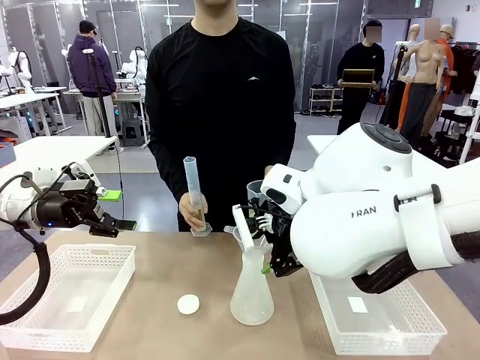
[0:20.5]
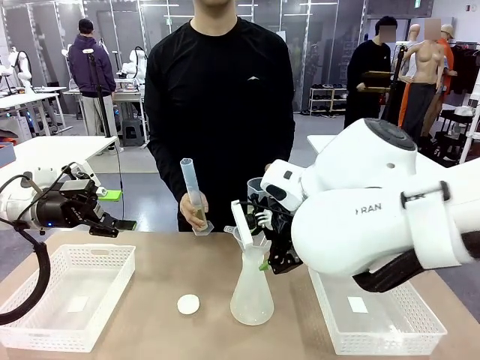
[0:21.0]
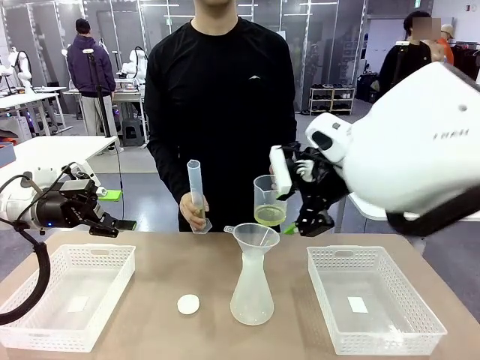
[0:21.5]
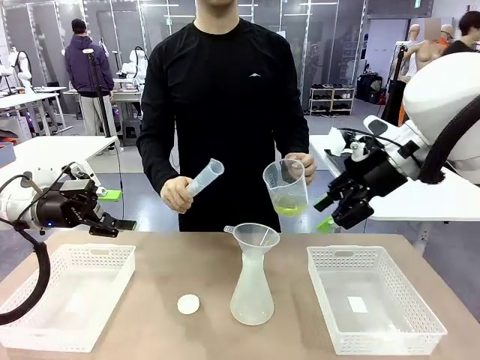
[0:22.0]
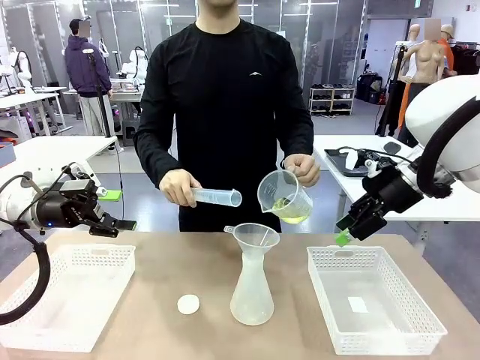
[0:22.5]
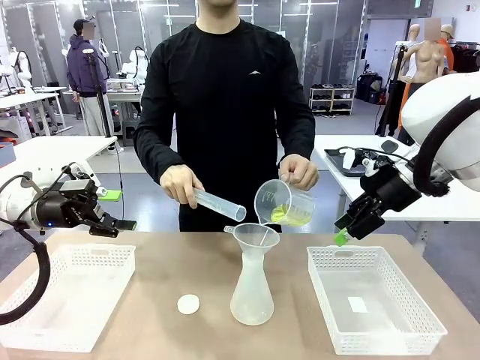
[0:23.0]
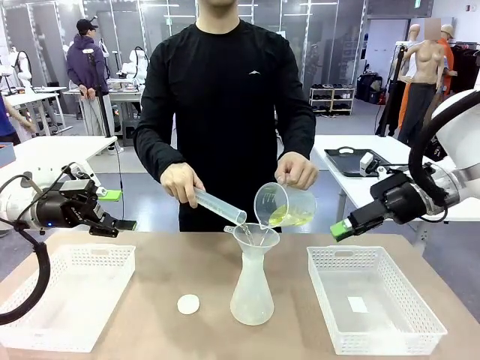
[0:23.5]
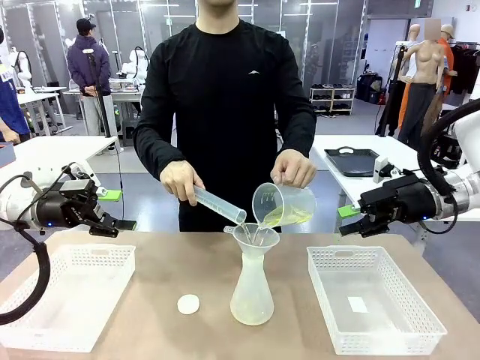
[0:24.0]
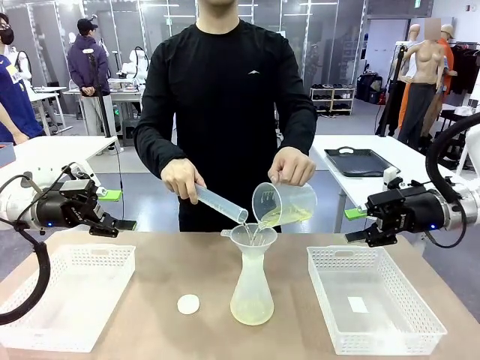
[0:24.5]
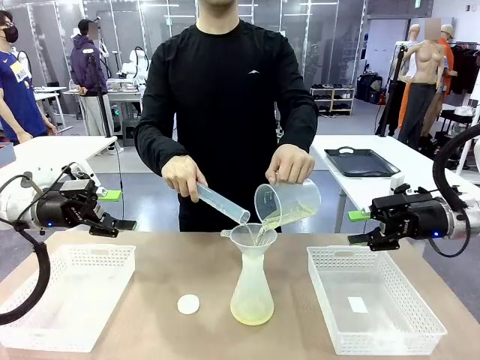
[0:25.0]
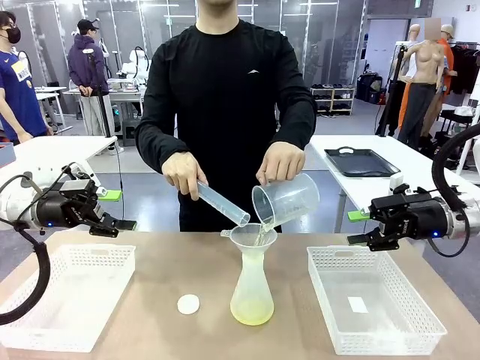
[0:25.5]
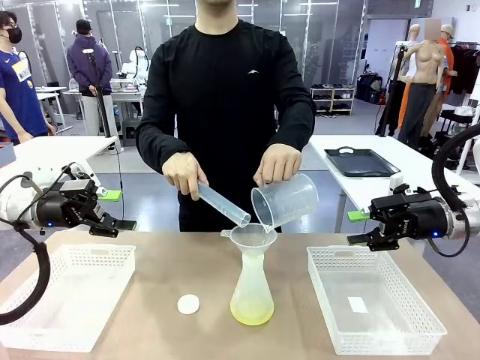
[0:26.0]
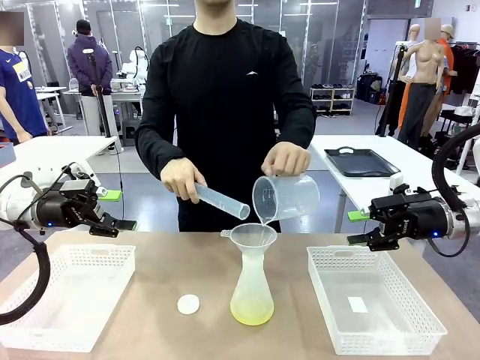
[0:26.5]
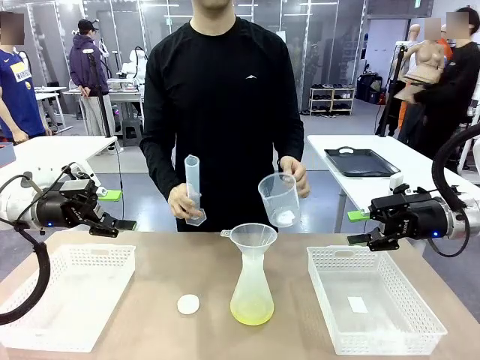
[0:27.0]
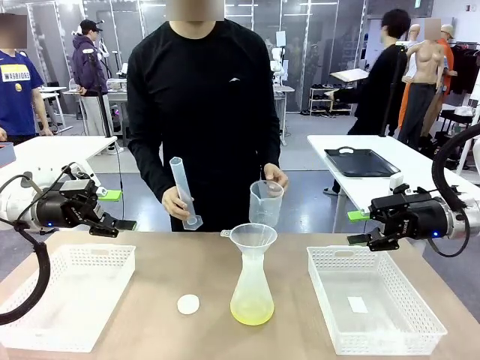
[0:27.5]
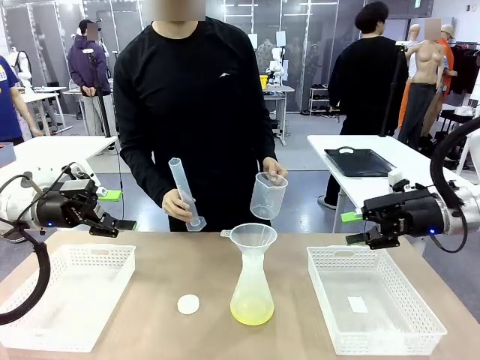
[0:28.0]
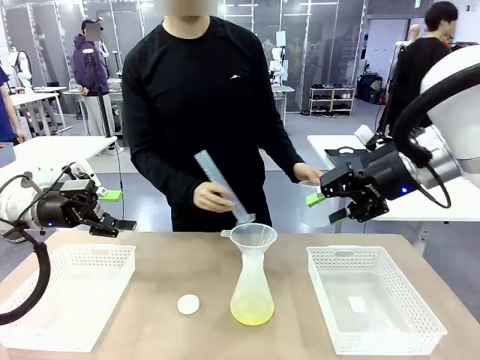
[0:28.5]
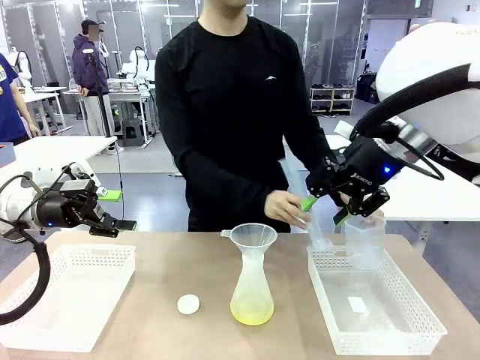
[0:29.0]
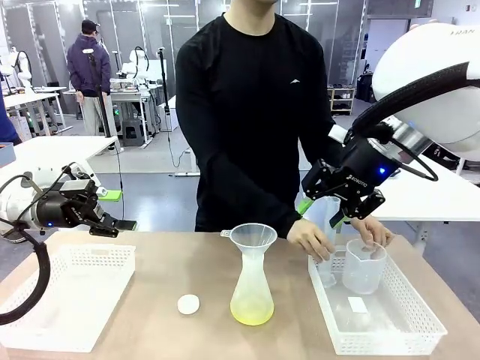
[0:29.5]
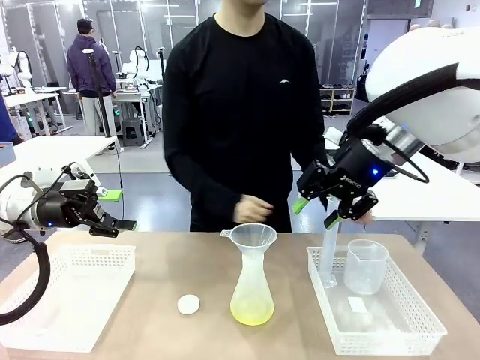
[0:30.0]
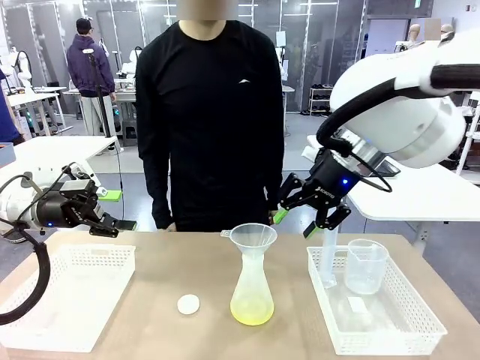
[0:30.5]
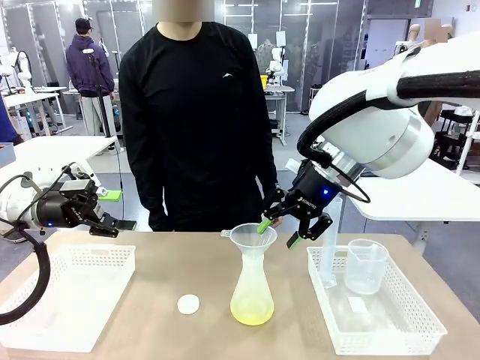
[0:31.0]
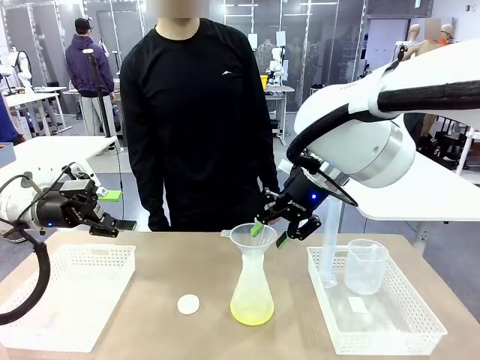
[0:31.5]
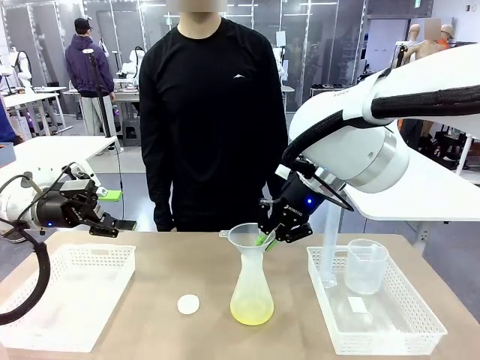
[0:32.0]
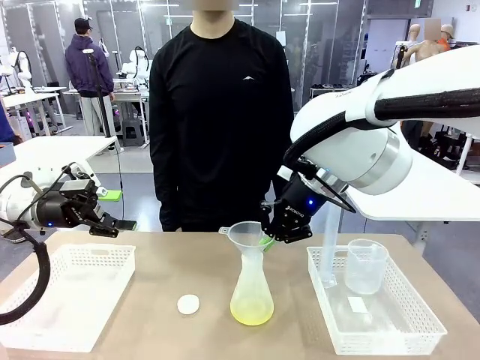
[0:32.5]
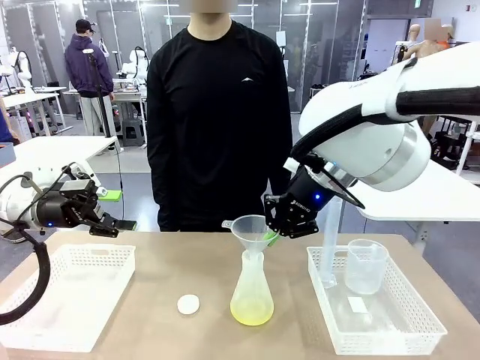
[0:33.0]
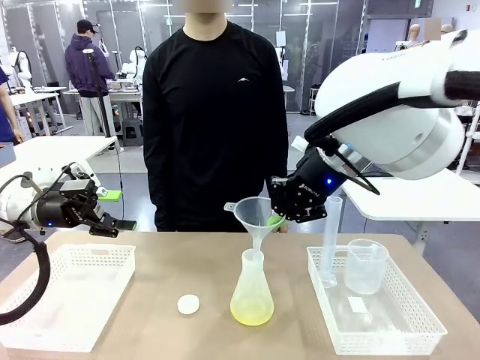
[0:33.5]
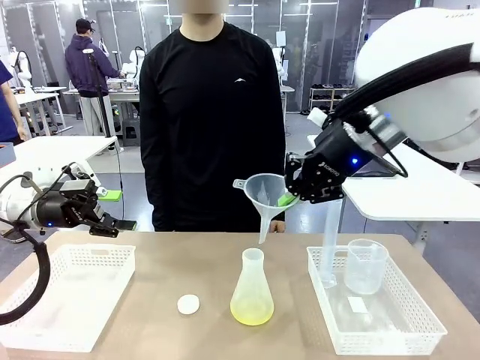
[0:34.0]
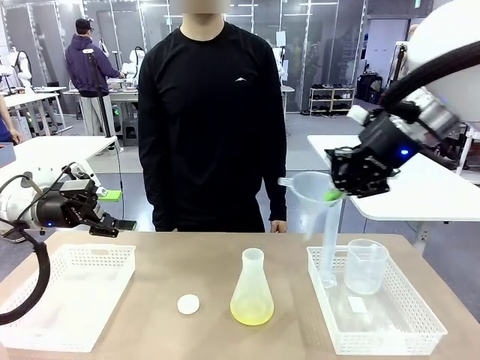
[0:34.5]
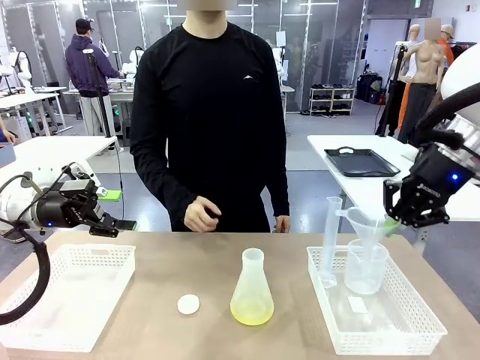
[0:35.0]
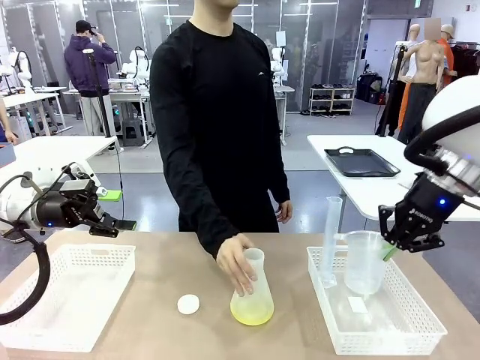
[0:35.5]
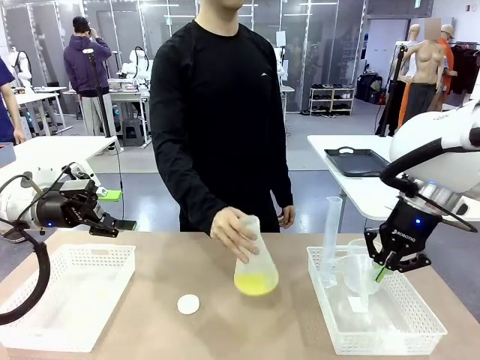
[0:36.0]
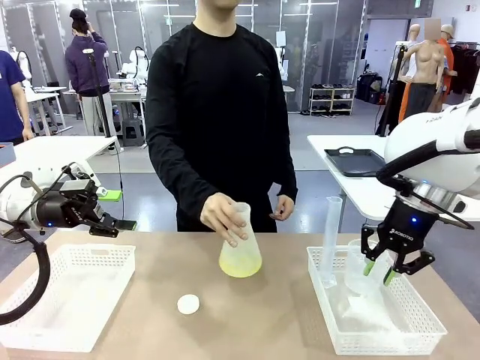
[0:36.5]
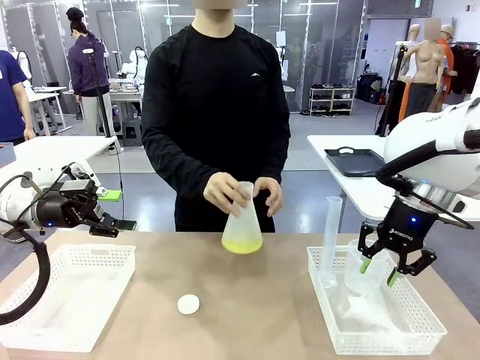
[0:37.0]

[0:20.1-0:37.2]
Task: Prepare the solutions needed for the experiment.
Robot: Once the solution is in the Big flask , pick up the Plastic Funnel and place it back into the right Organizing basket.
Person: Place the beaker and the cylinder into the organizing basket on the left side. Pick up the flask, gently shake it 2–3 times, place it in the middle of the robot table, and close the lid.

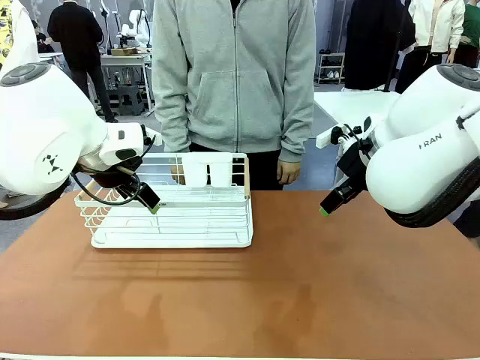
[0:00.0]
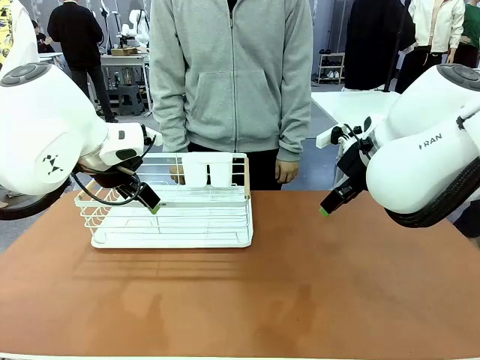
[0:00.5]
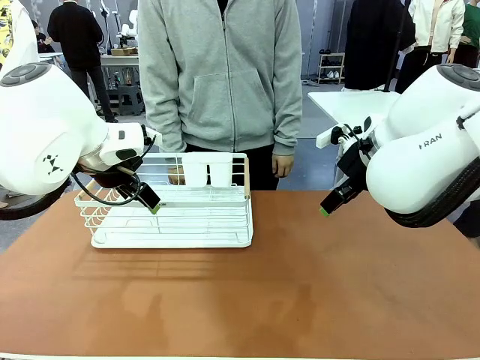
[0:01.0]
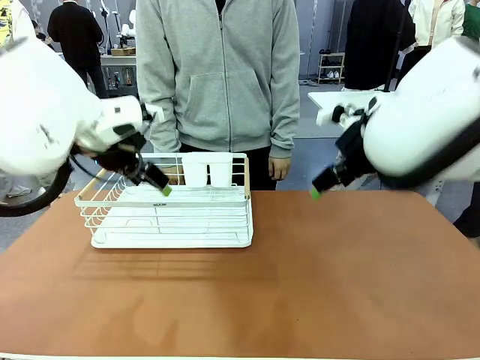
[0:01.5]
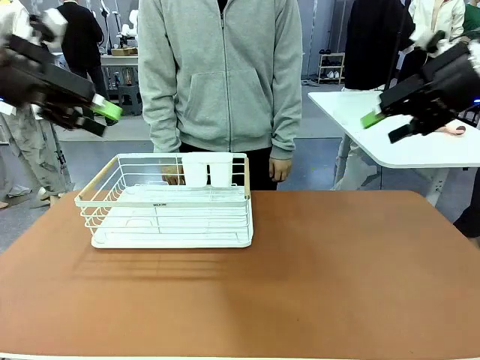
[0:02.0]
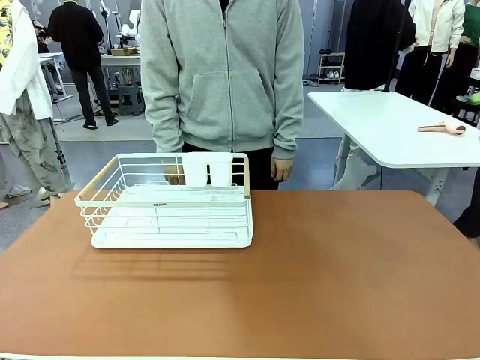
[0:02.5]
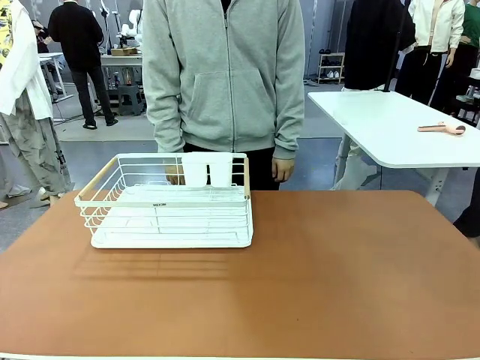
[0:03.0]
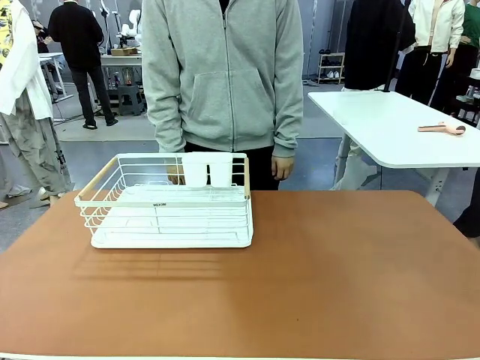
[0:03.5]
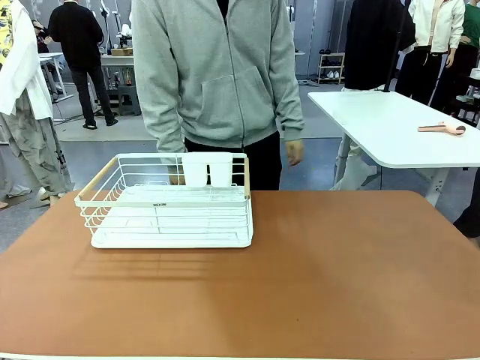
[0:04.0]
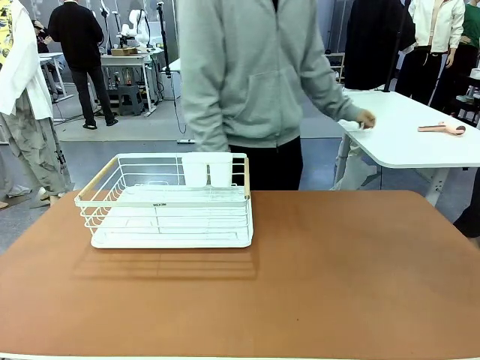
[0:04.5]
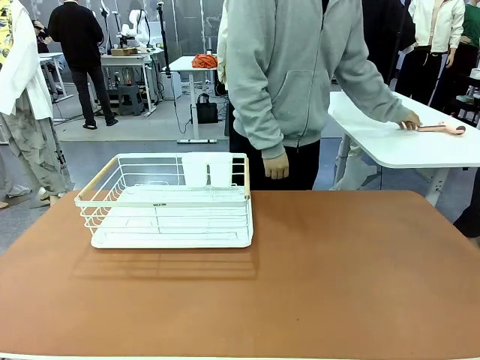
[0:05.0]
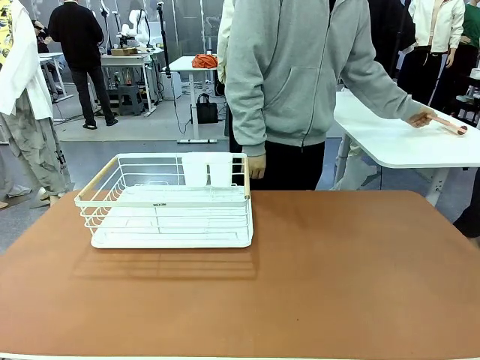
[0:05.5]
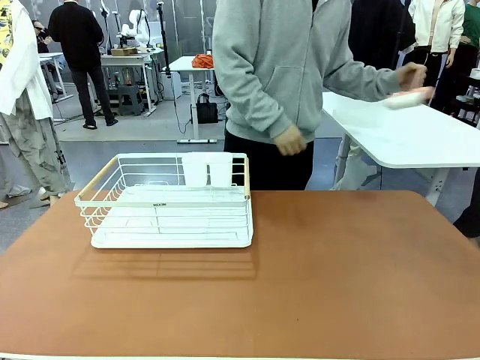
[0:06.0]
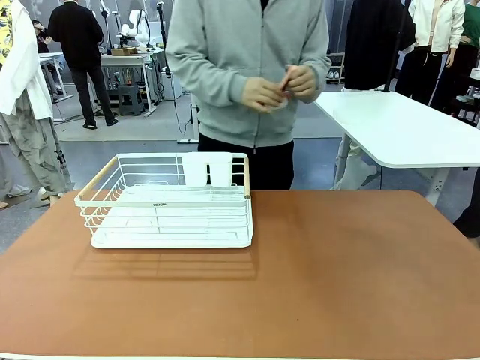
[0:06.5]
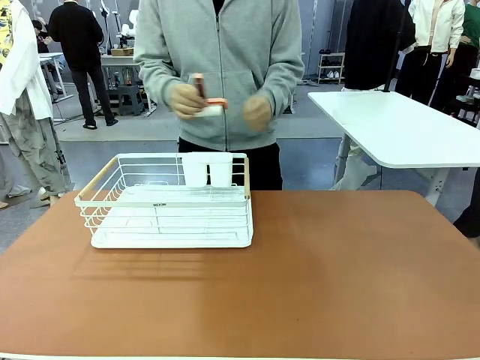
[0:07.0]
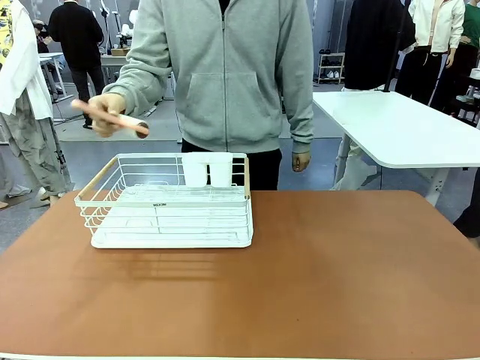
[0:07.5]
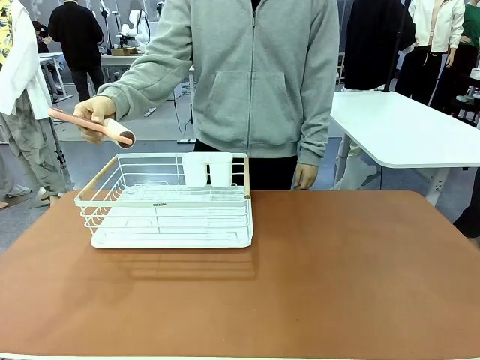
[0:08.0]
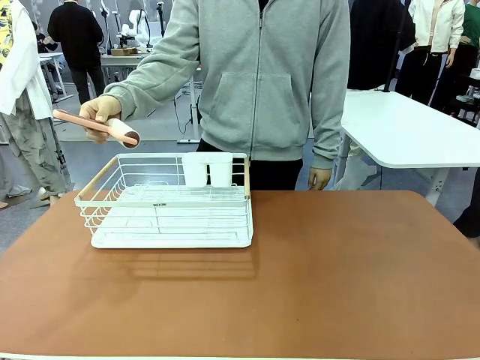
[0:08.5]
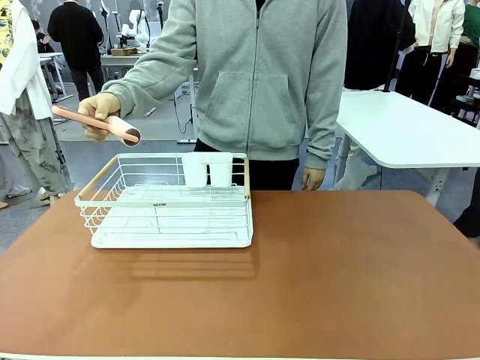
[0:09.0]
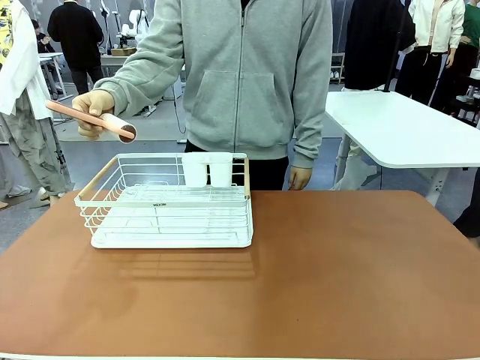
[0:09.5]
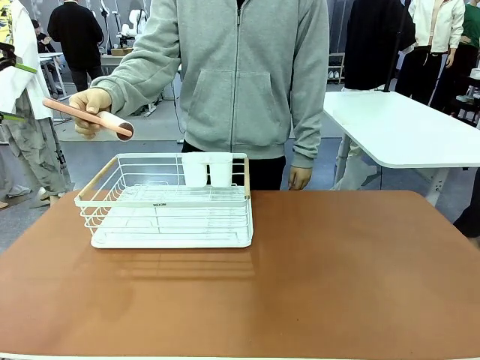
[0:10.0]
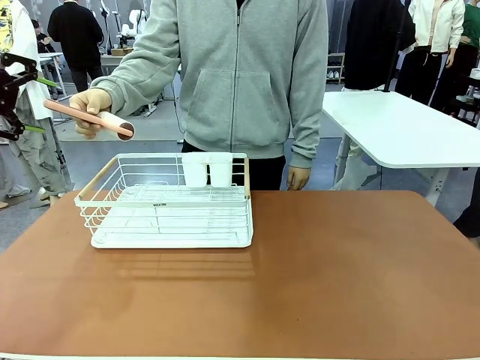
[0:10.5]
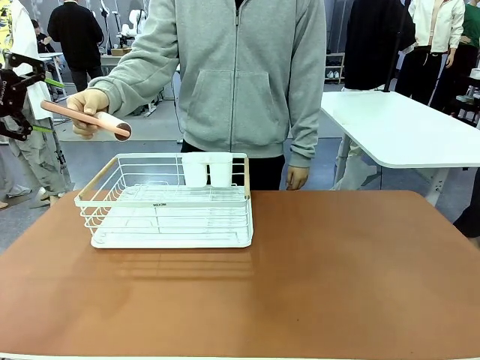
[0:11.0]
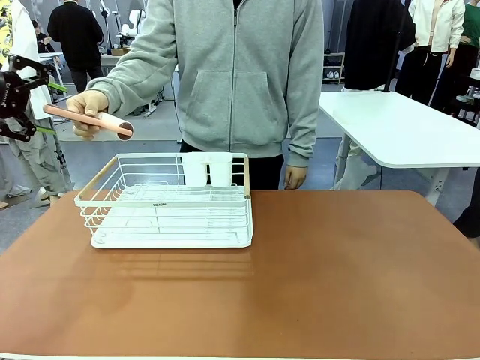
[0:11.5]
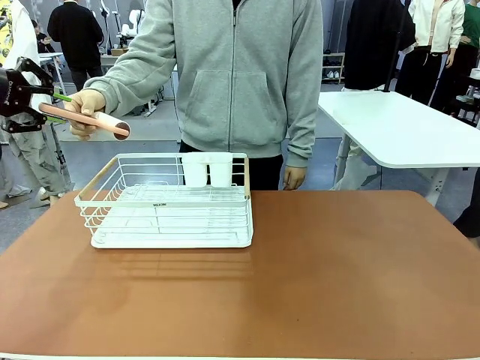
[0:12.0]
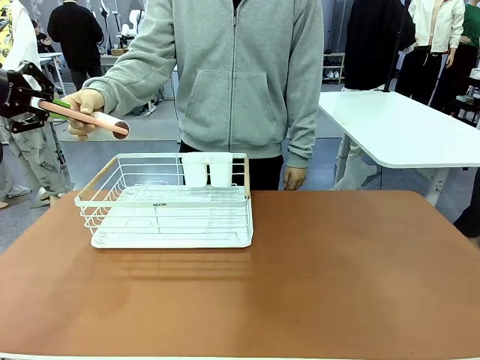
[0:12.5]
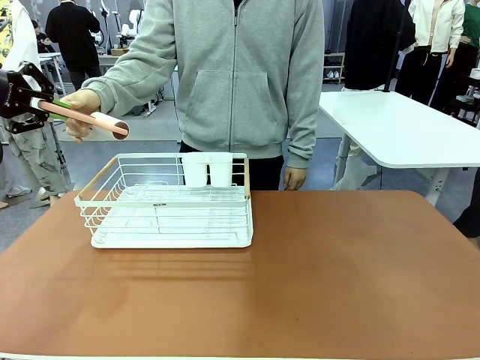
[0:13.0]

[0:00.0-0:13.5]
Task: Clean the table.
Robot: Pick up the Lint Roller when the human hands it over.
Person: Hand the Lint Roller to the robot so it can easily pick it up. Lift the Dish drying rack.
